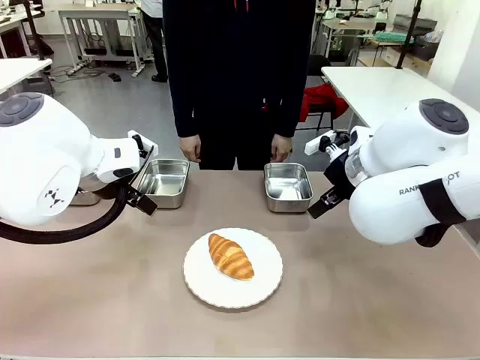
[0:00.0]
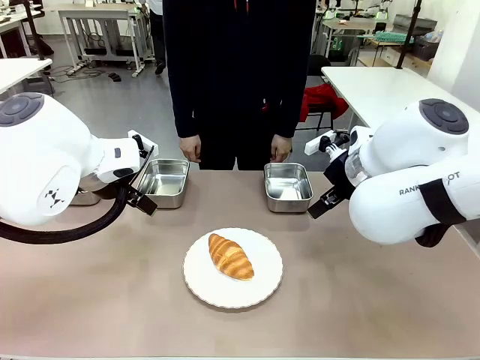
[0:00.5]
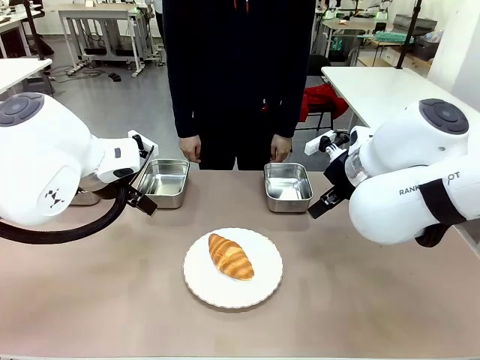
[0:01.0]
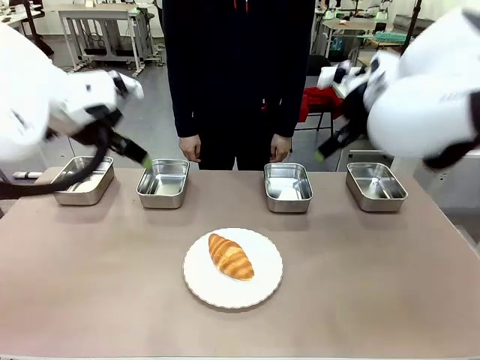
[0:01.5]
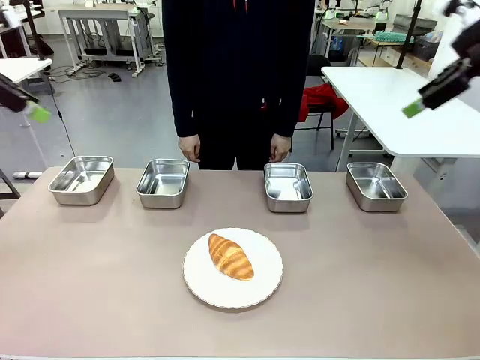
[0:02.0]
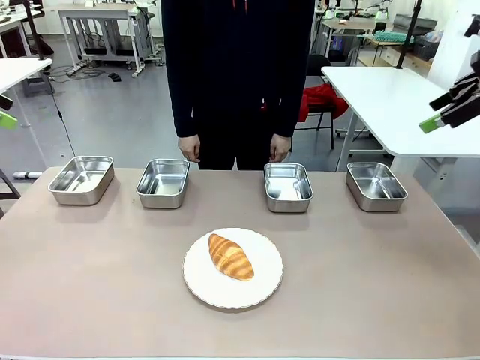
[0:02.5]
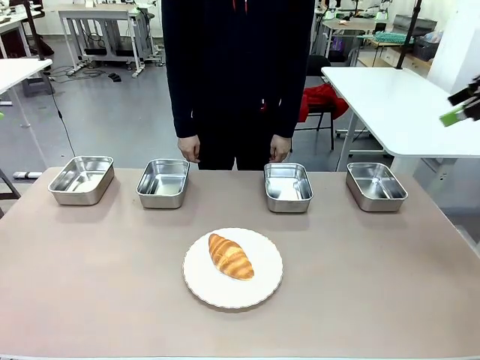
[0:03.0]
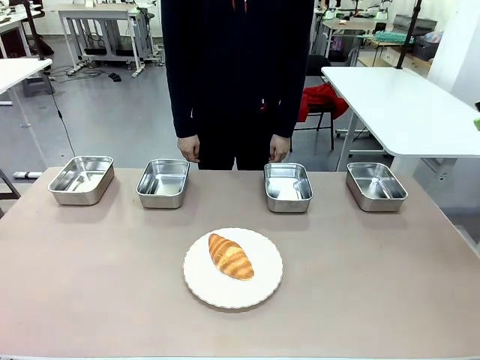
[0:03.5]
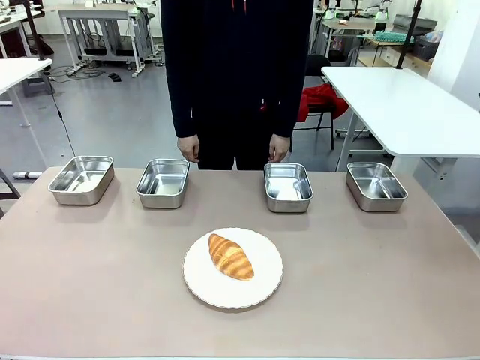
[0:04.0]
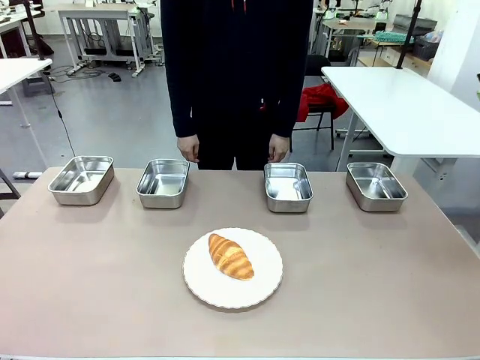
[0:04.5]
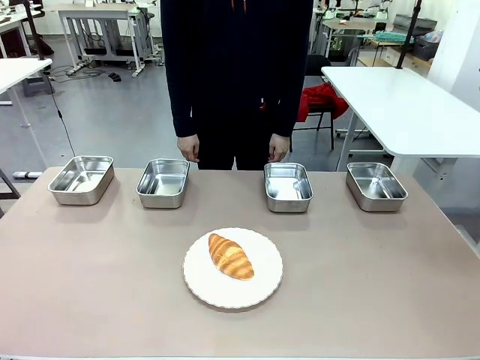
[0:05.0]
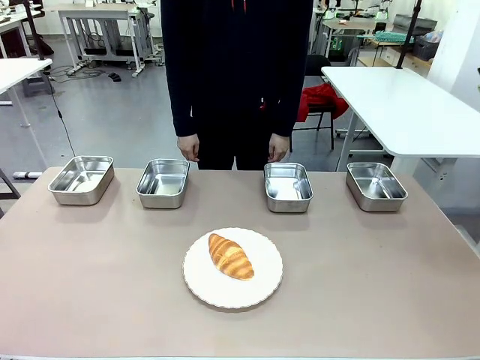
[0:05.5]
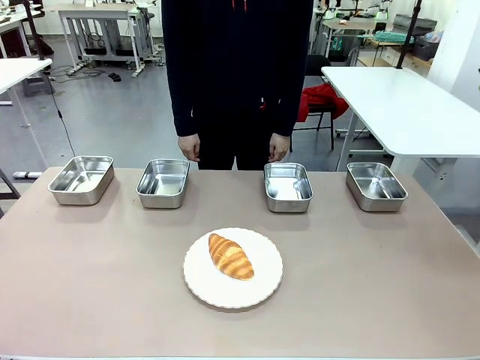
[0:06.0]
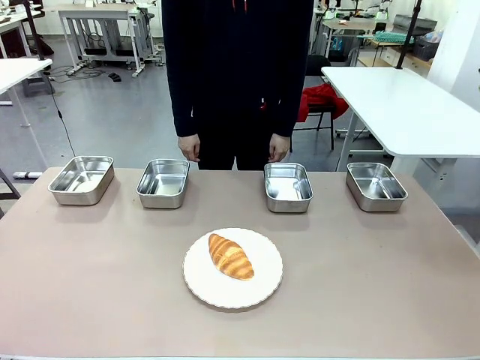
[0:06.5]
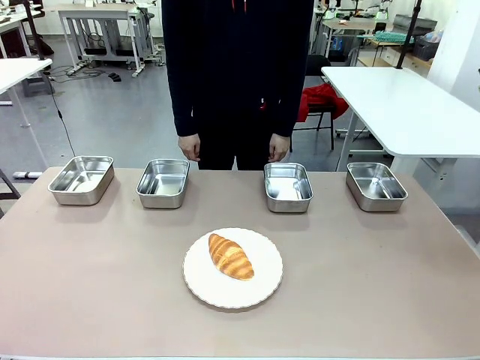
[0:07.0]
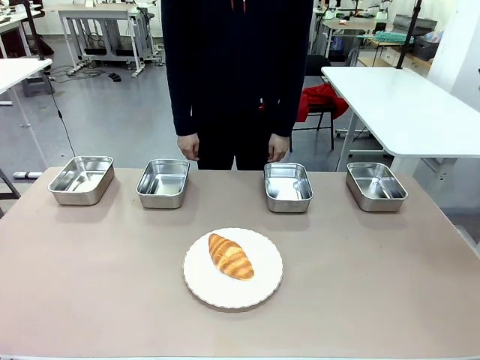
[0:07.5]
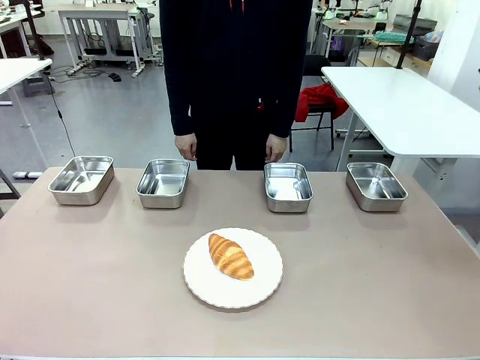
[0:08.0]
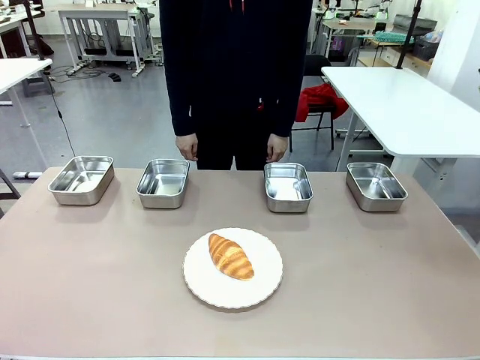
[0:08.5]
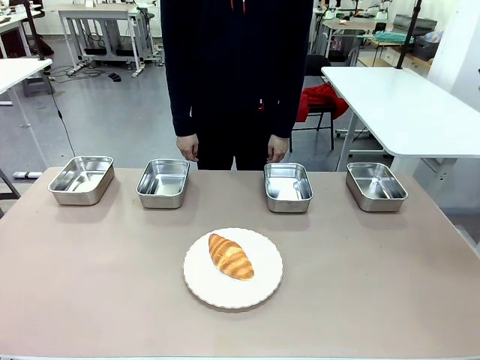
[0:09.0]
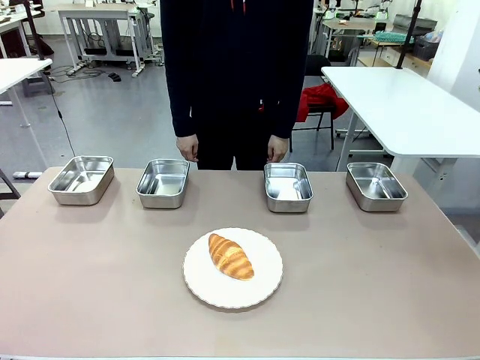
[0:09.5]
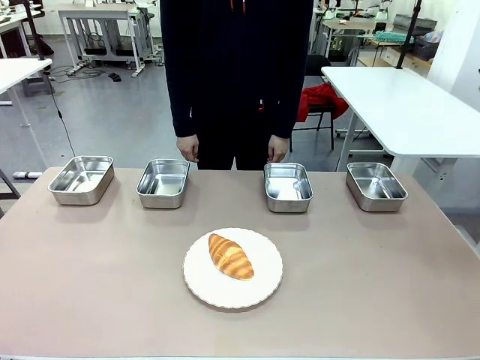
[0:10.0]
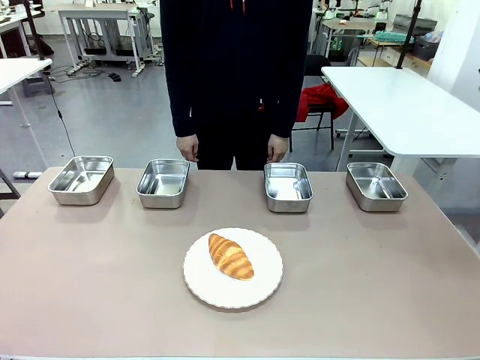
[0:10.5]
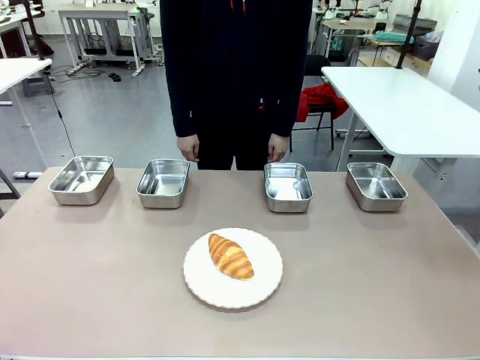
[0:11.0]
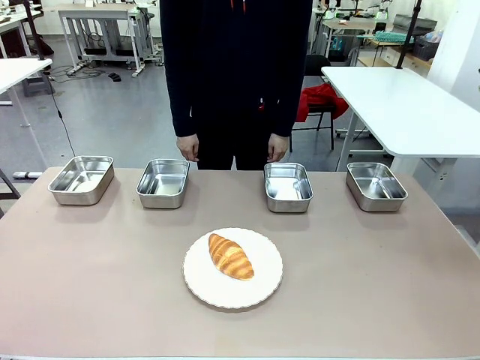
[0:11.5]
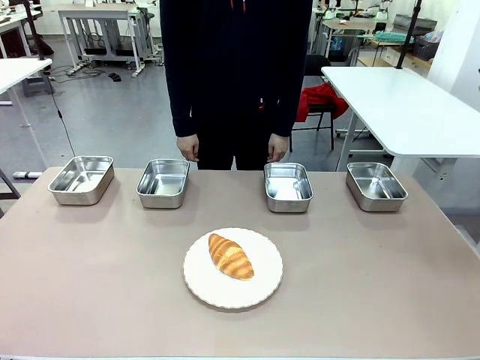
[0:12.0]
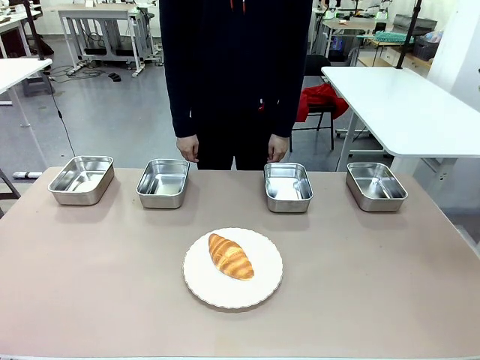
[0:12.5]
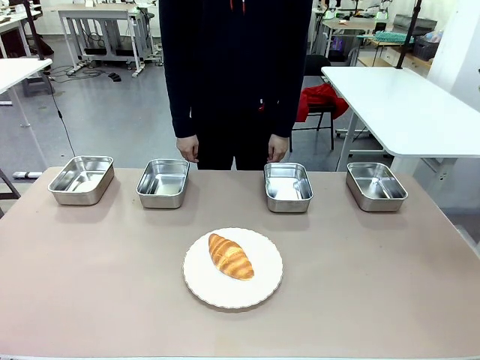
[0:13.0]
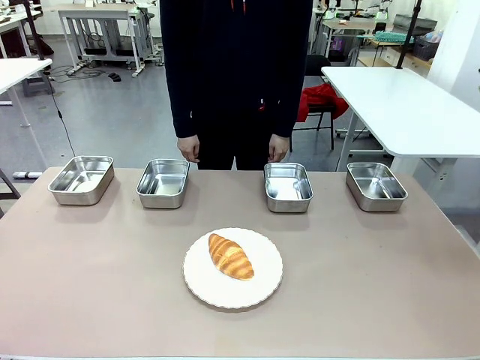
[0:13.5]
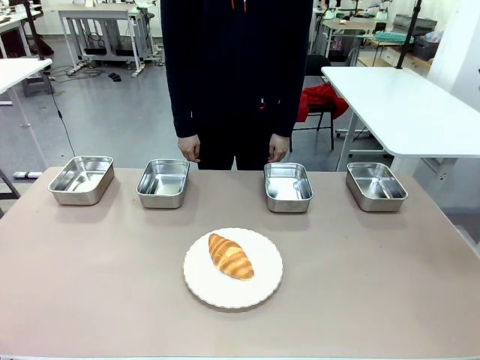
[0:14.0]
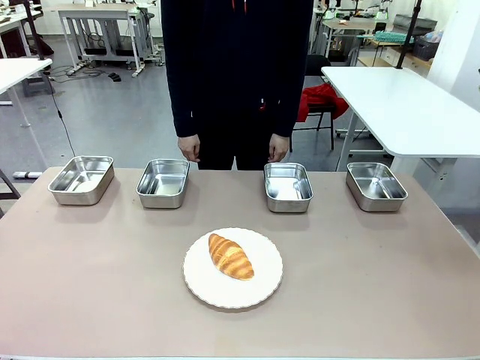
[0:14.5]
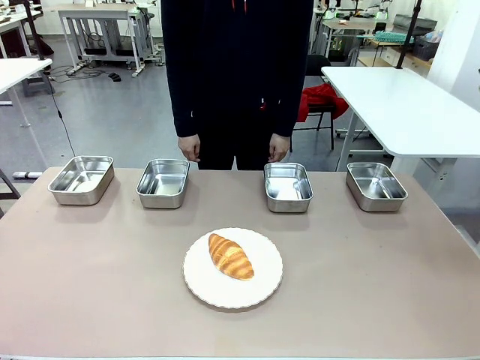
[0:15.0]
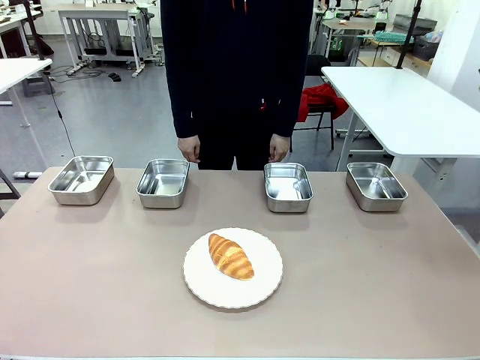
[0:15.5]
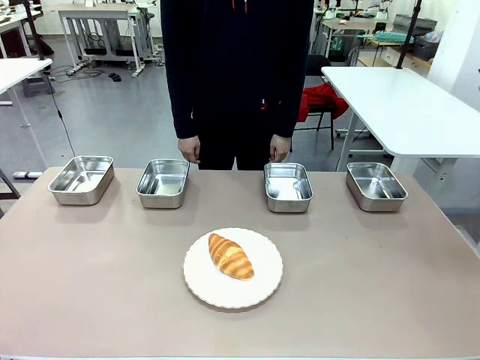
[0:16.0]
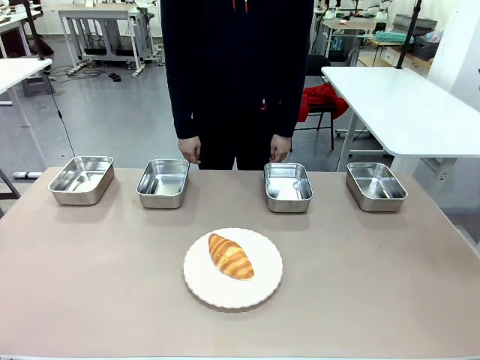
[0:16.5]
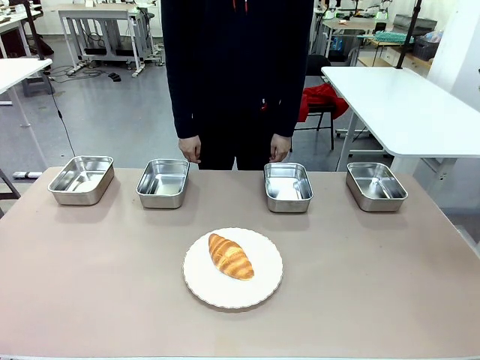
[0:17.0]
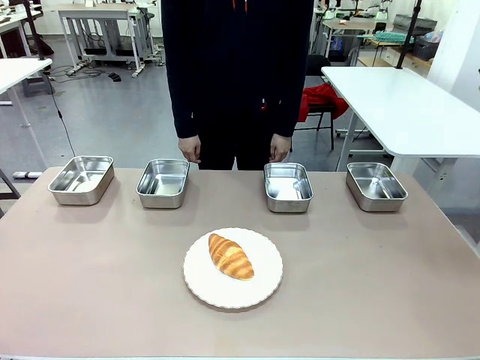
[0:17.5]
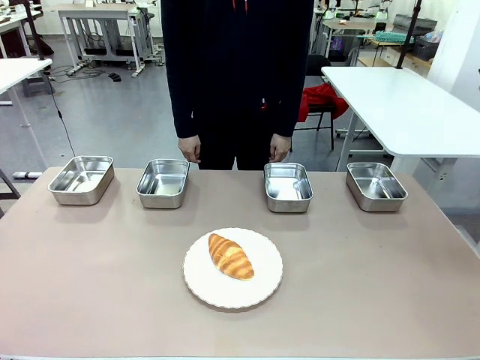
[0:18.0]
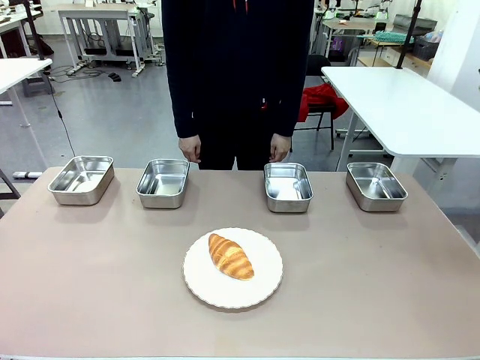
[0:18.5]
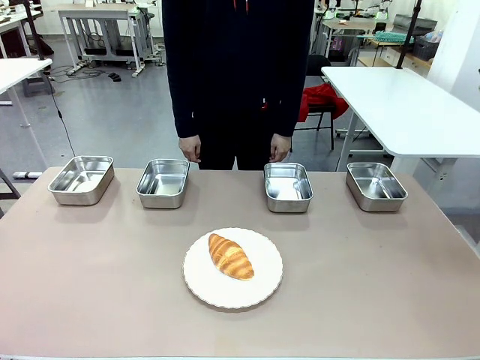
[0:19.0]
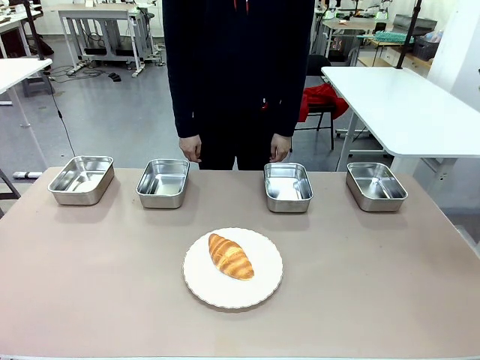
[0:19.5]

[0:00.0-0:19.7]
Task: Place the bread in the container.
Robot: Place the Butter Roll into the Airtight Container indicated by the human.

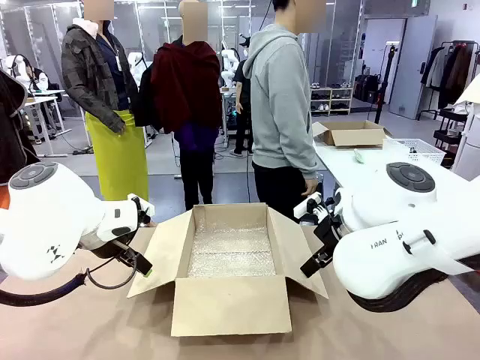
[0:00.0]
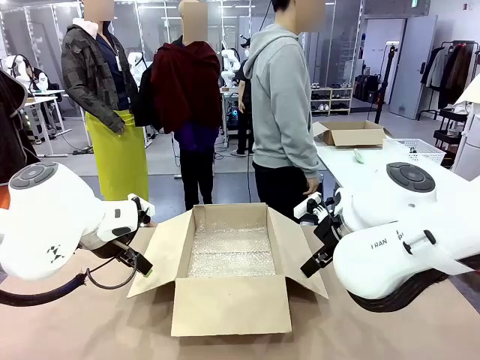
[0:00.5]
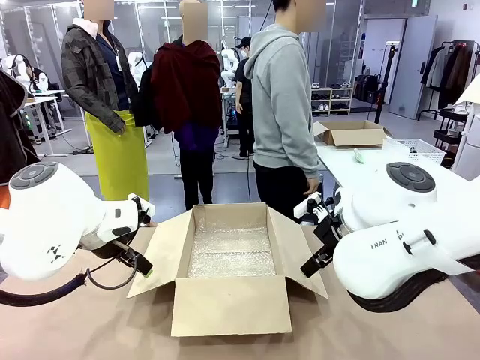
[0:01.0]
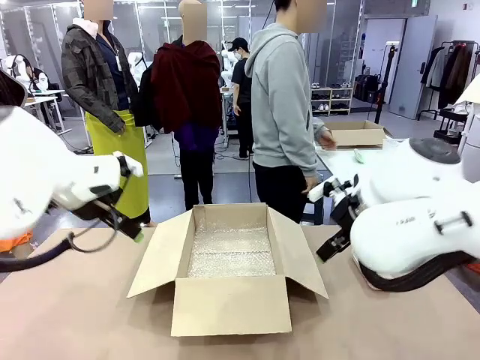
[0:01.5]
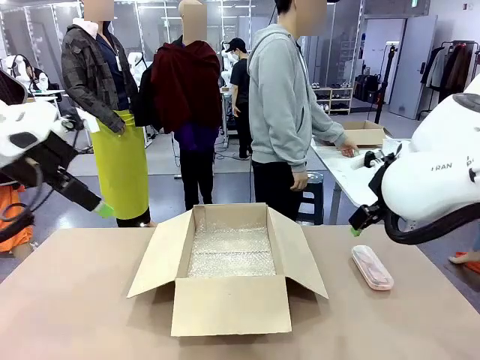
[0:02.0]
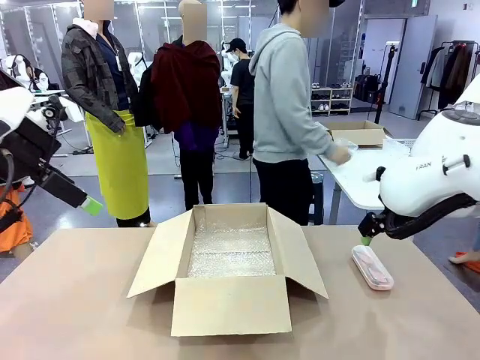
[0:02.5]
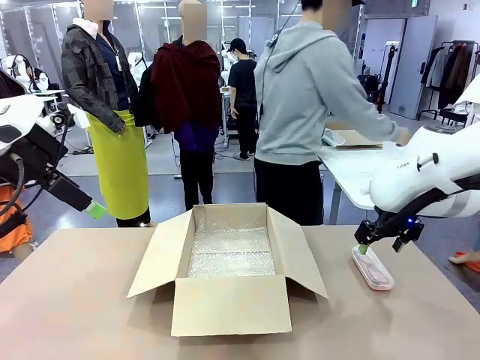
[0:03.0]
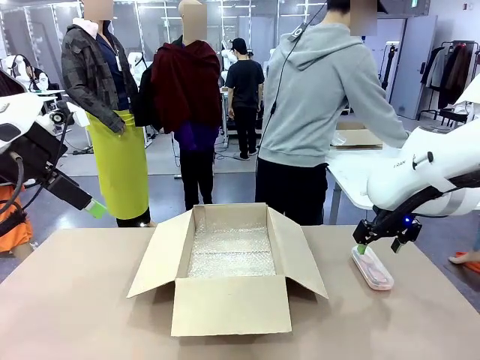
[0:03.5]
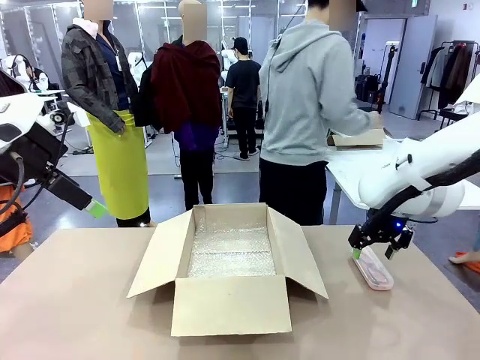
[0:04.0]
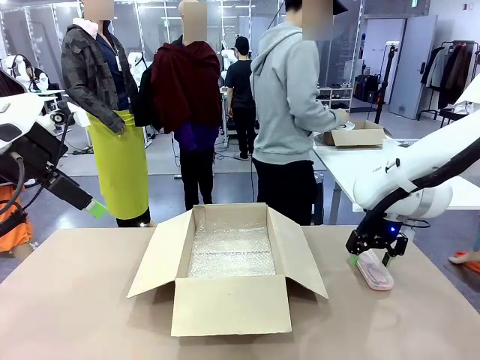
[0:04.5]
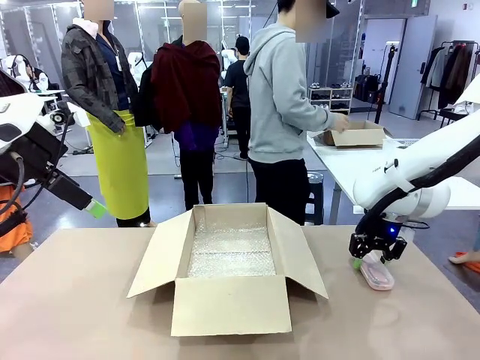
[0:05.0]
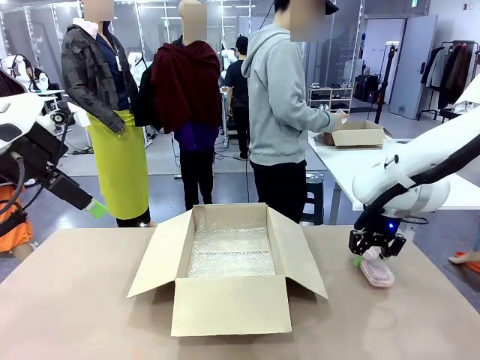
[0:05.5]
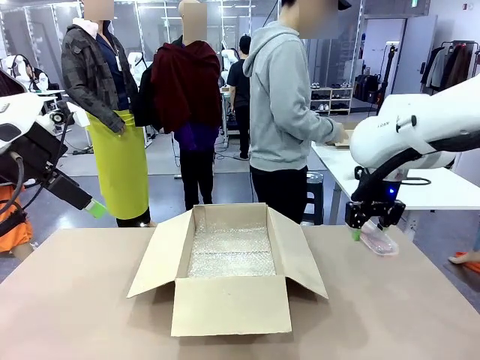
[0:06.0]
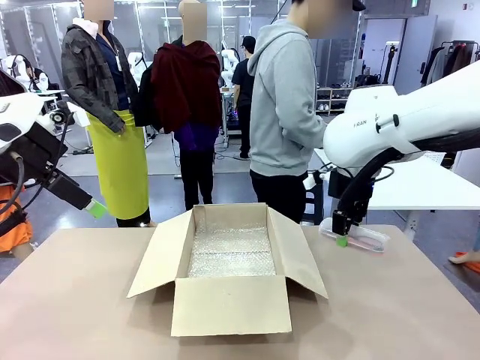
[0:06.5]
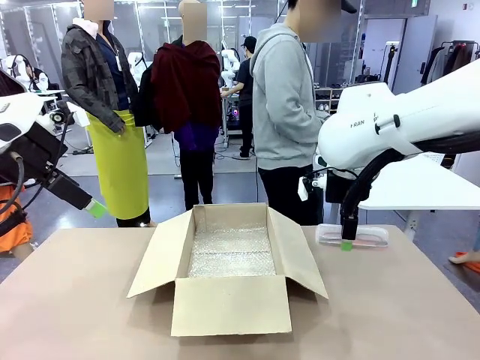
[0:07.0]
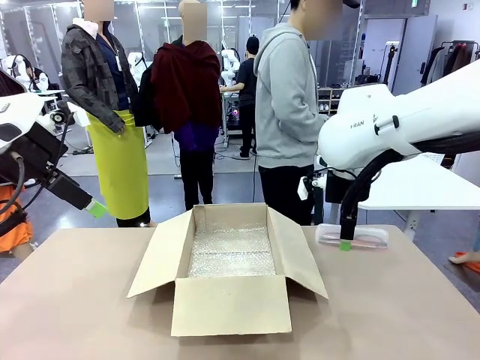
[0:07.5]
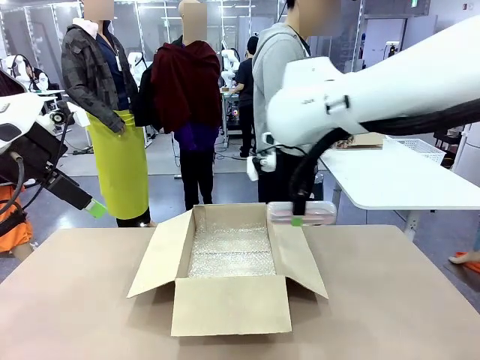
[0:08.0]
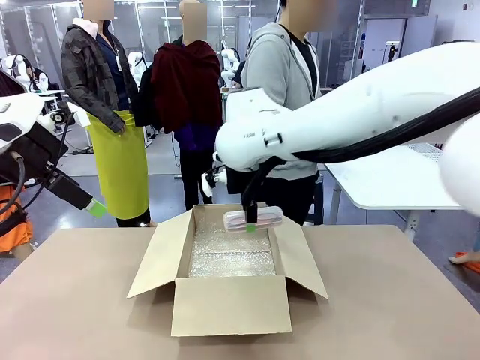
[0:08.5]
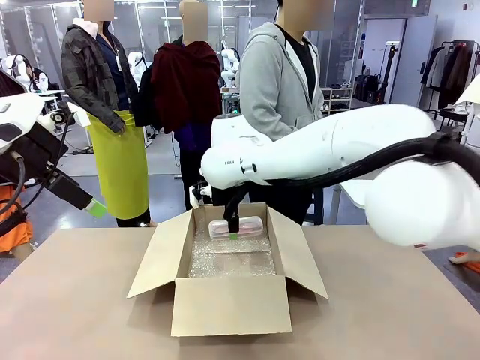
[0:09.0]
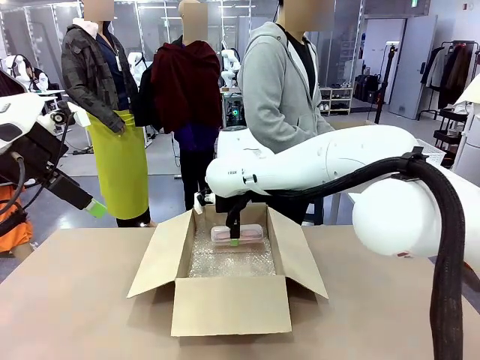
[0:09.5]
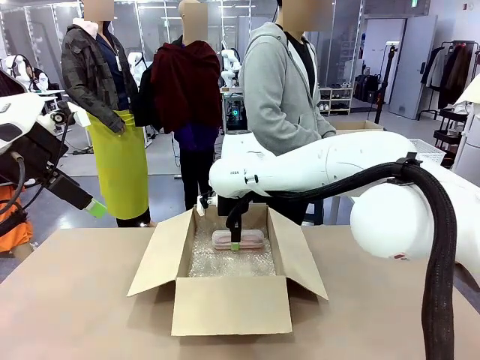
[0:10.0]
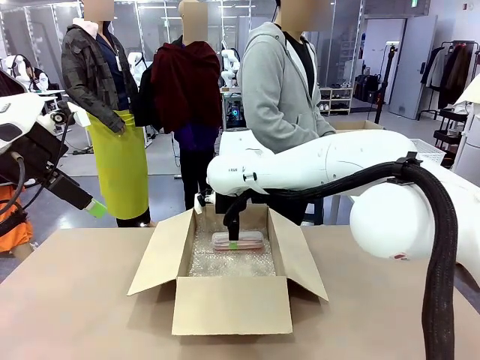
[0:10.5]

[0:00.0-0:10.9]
Task: Pack the glasses set securely to prepare it for shipping.
Robot: Place the Glasses case inside the Package Box.
Person: Place the Glasses inside the Glasses case.
